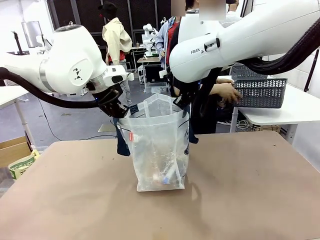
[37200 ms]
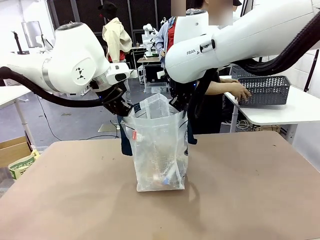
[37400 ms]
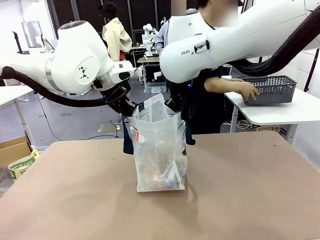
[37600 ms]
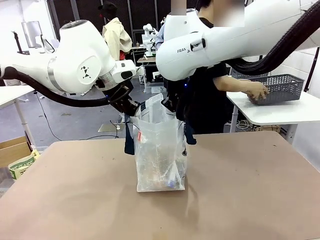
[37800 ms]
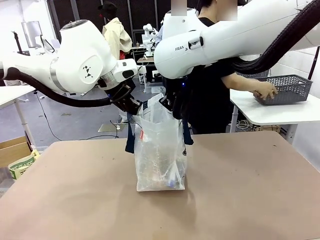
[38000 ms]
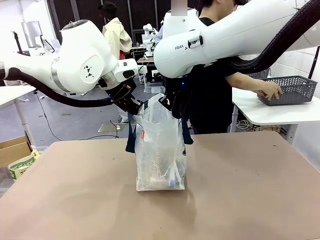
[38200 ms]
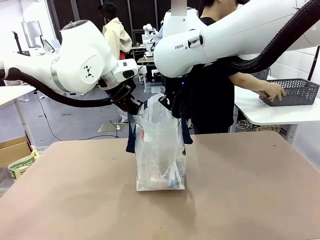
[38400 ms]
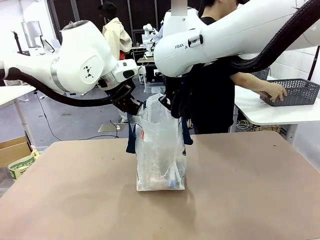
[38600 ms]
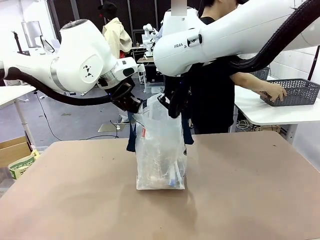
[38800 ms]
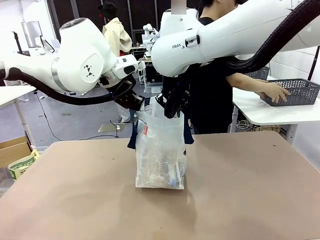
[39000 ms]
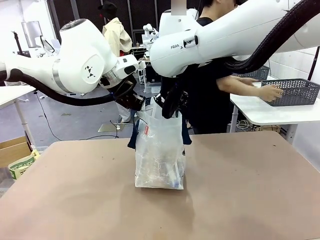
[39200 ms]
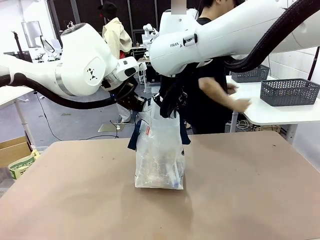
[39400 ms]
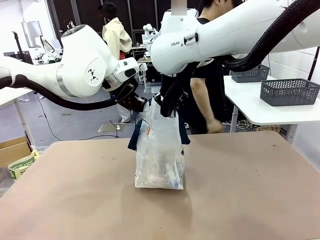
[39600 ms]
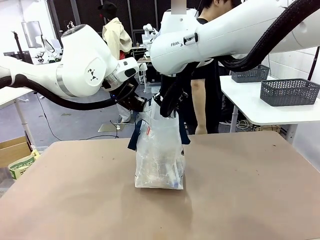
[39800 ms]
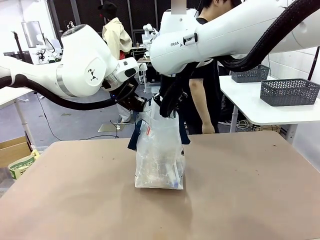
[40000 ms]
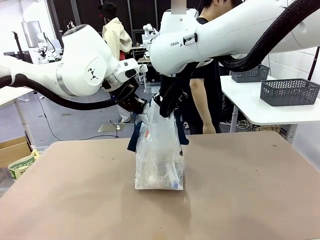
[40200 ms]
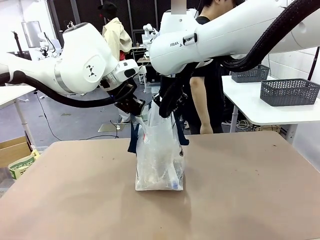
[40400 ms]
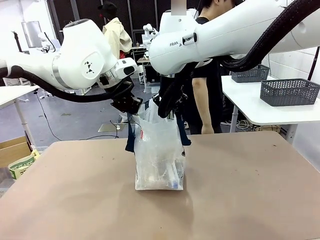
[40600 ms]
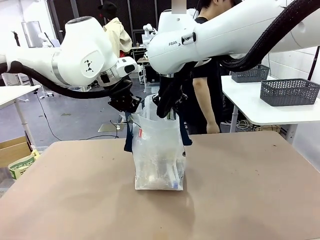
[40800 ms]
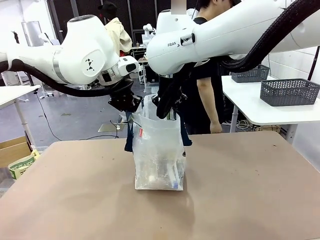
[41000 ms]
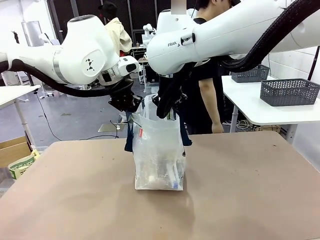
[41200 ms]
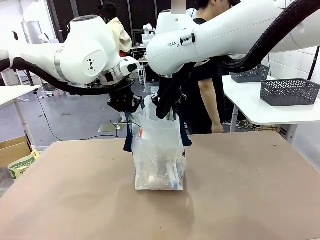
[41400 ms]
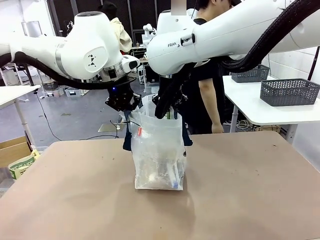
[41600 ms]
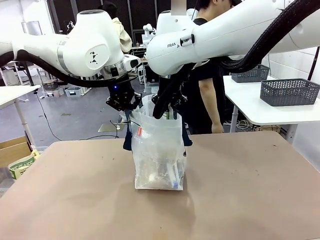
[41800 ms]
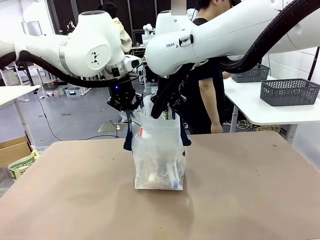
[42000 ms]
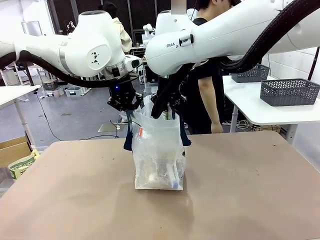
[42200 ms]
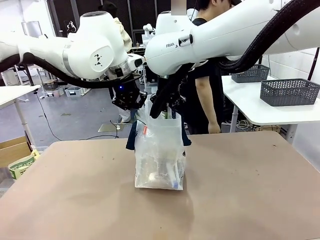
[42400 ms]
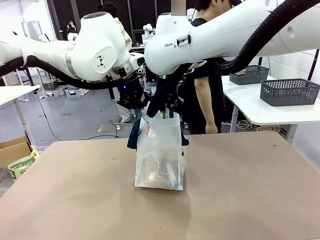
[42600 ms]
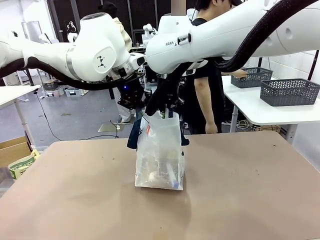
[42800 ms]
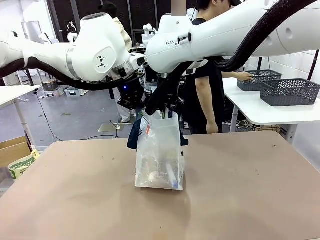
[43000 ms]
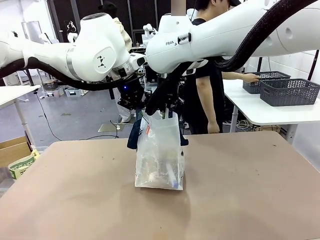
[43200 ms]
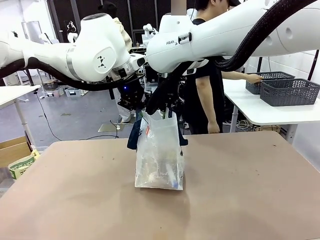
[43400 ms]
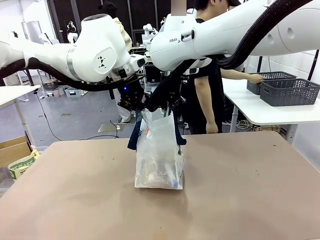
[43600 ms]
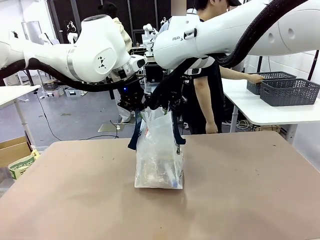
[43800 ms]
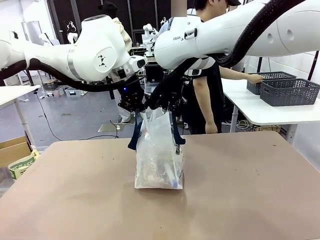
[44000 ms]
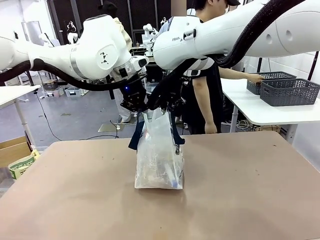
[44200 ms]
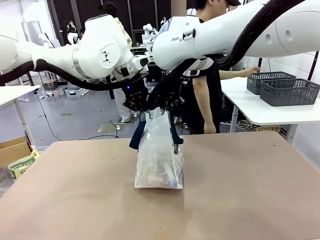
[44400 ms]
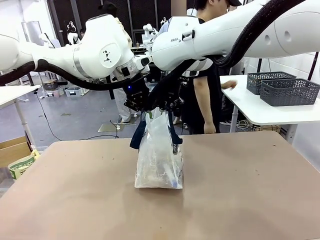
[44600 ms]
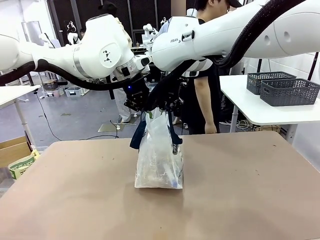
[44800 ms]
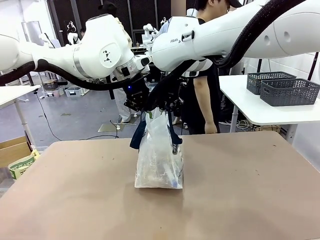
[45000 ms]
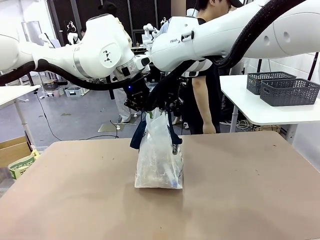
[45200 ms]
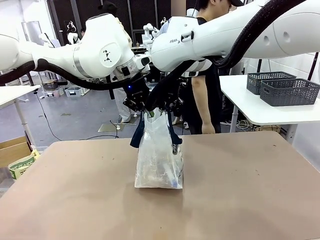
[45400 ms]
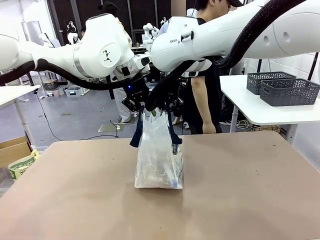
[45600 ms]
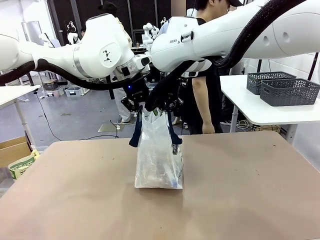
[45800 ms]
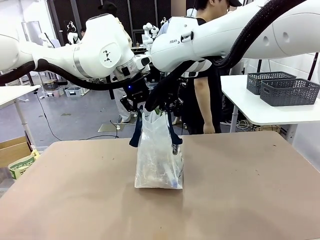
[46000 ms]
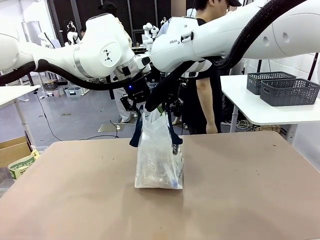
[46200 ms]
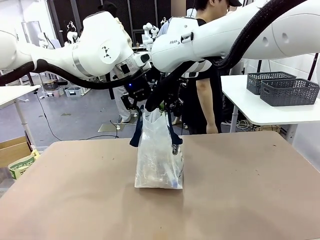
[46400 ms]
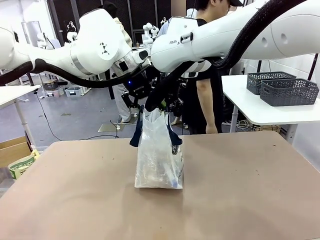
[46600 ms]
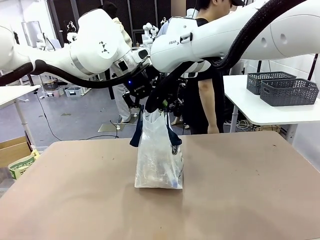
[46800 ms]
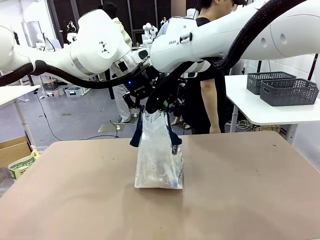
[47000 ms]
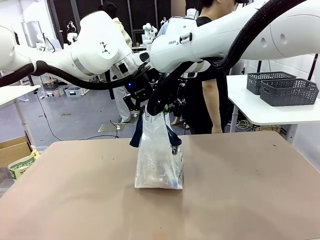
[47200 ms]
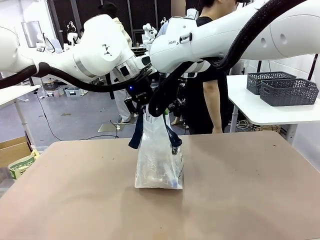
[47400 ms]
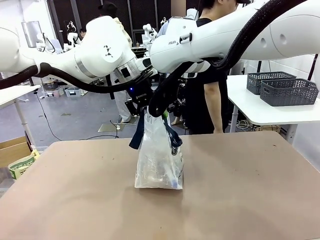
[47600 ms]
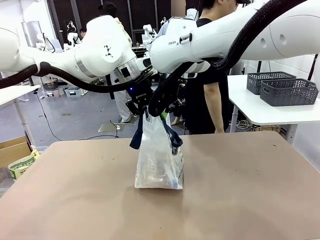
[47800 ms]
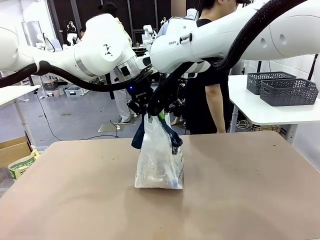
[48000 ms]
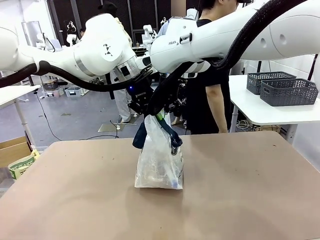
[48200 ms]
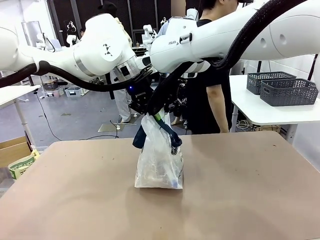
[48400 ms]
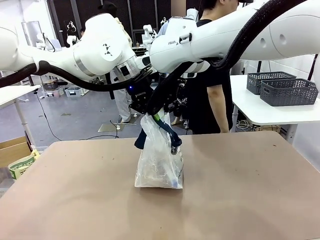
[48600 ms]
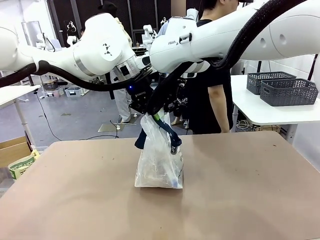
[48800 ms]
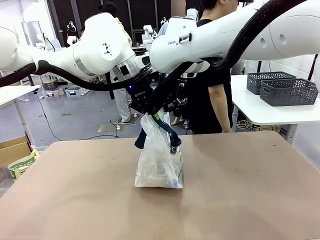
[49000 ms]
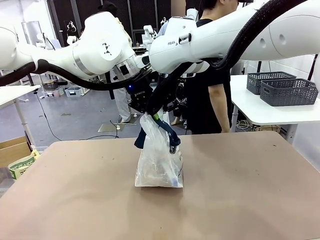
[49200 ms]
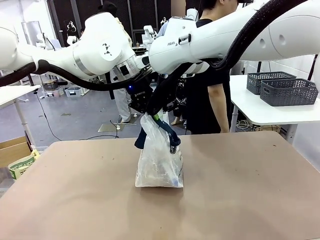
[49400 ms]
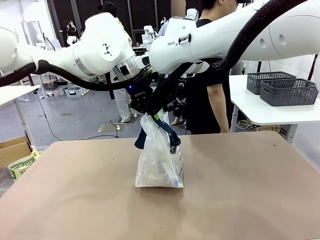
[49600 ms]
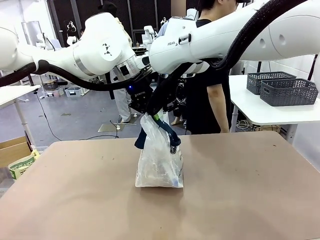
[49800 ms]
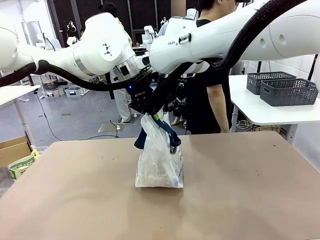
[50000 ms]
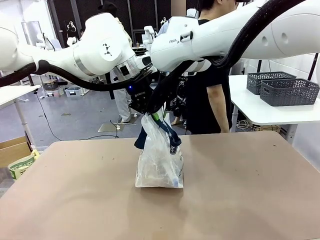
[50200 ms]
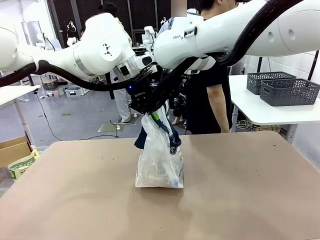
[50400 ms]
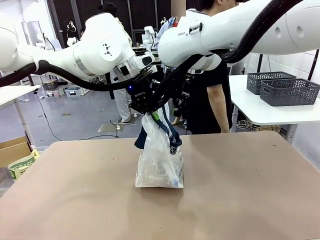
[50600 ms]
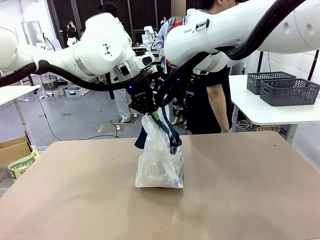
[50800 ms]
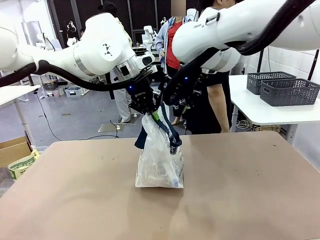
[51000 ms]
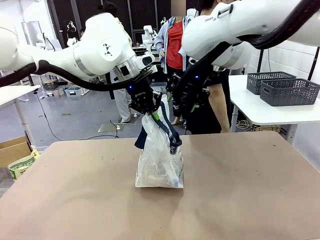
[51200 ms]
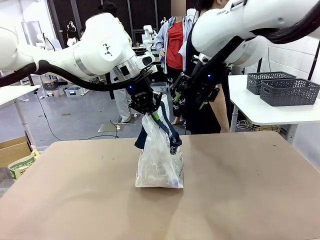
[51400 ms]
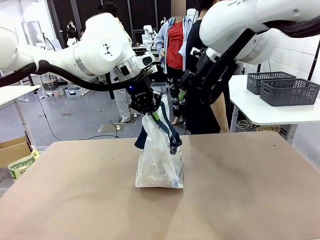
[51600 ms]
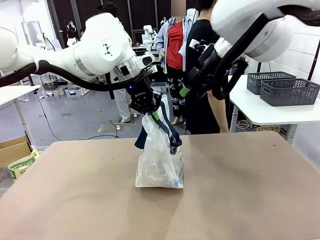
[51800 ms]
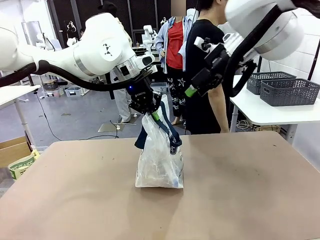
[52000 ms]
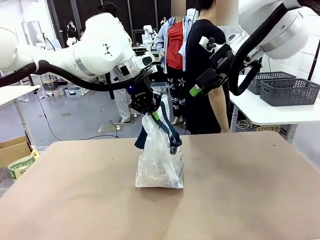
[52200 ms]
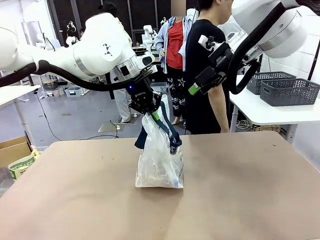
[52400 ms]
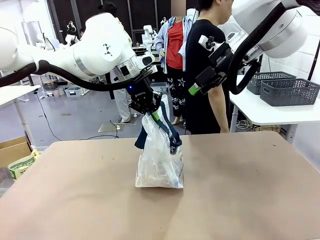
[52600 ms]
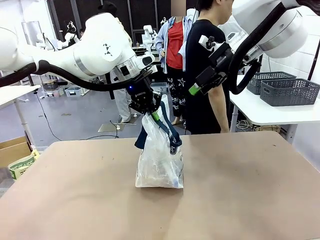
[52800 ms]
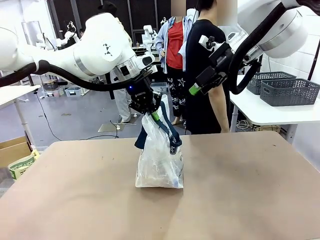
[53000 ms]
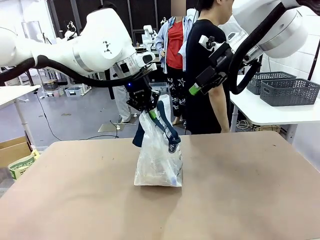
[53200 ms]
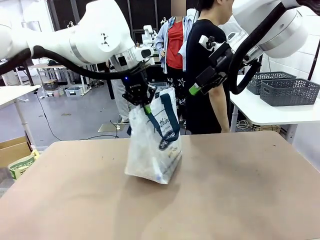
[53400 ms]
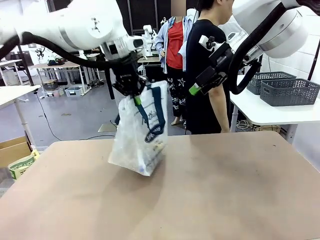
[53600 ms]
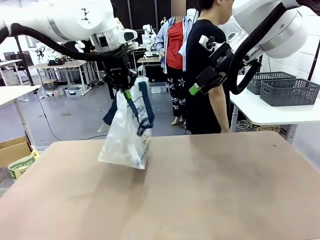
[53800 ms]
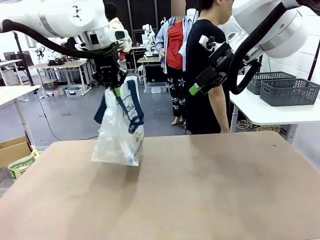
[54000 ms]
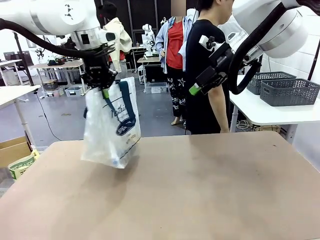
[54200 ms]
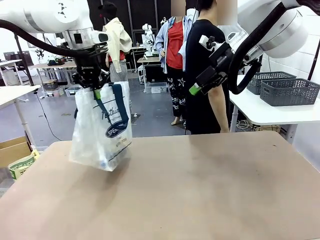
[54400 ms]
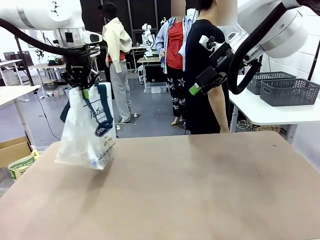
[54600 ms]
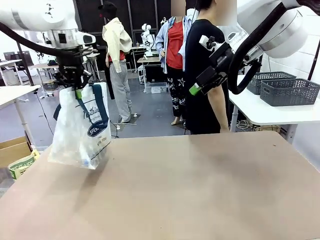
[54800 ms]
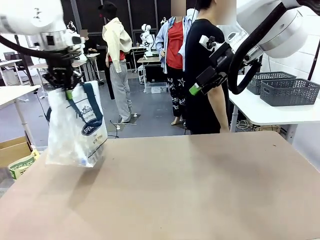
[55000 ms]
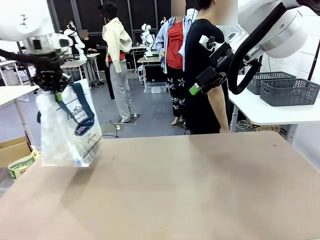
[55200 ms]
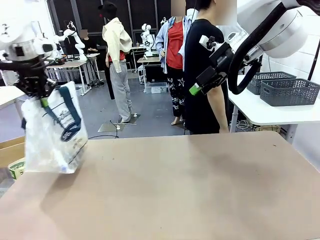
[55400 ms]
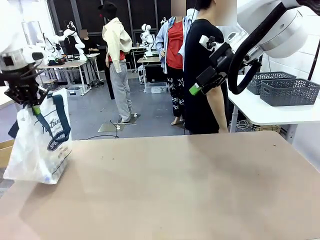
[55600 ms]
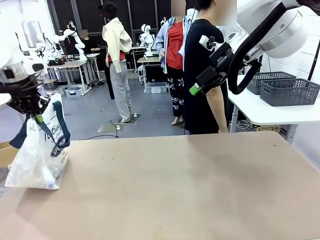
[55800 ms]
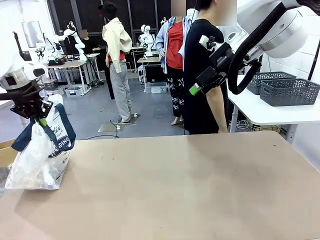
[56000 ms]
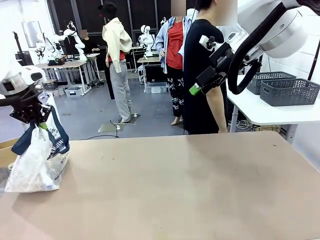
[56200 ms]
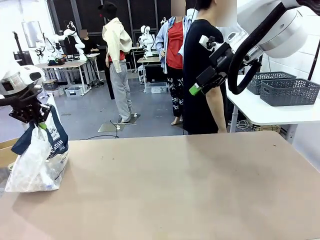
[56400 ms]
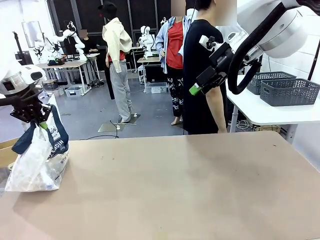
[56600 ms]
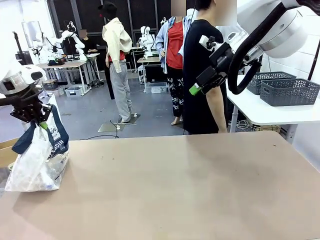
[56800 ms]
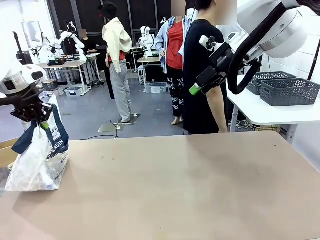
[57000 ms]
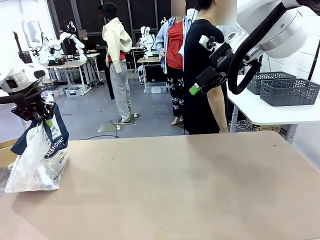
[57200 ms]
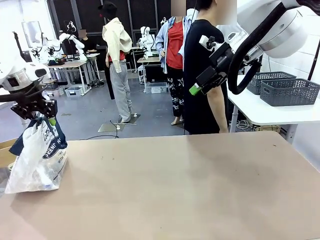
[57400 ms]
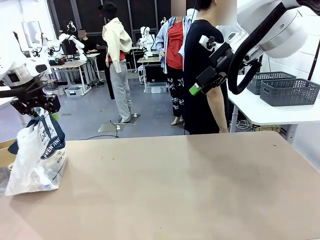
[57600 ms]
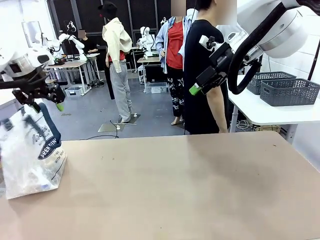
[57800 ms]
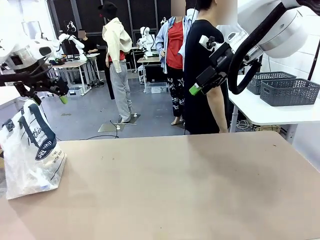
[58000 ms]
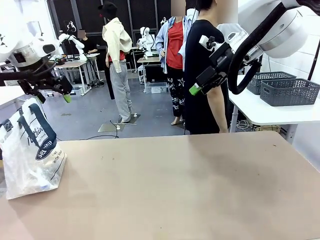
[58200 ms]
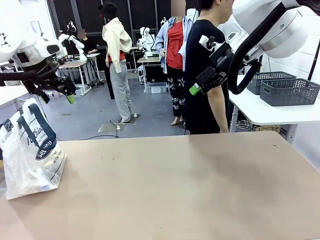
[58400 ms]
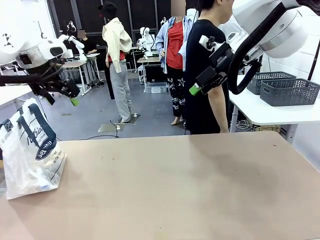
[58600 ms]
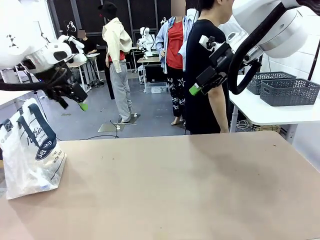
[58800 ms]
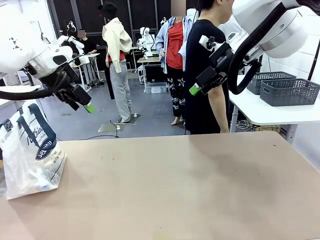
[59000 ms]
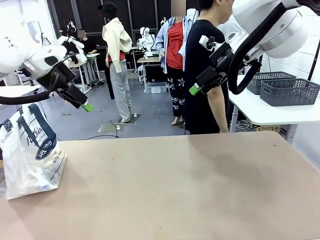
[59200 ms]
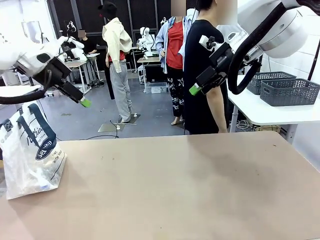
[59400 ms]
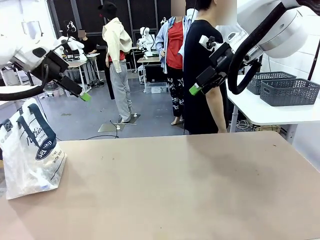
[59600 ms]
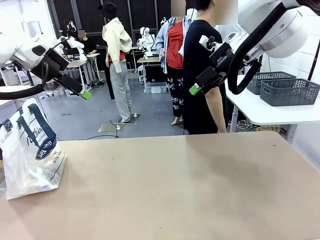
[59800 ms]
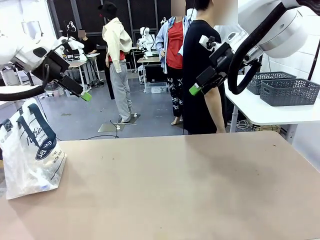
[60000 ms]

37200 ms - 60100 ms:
Task: Transfer purchased items from the store into the shopping bag.
Robot: Move the Reusable shopping bag to the right side of the table.
Person: Pick up the basket with the items out and place it on the right side of the human table. Move the basket on the left to the middle of the person's table.
